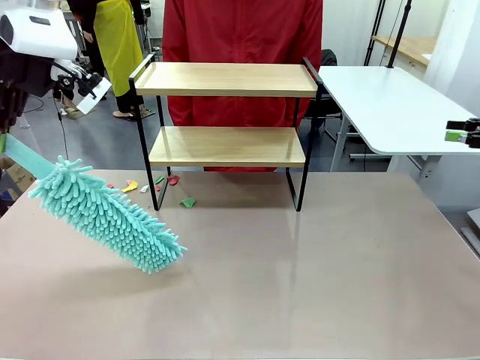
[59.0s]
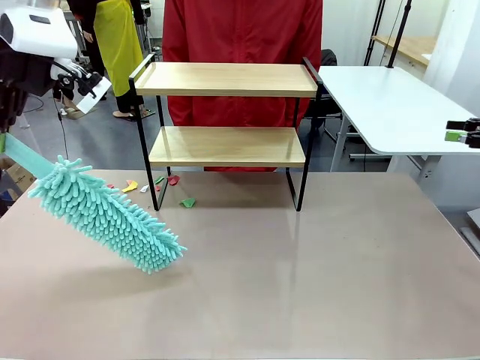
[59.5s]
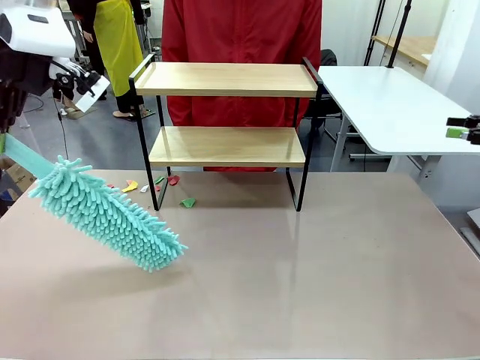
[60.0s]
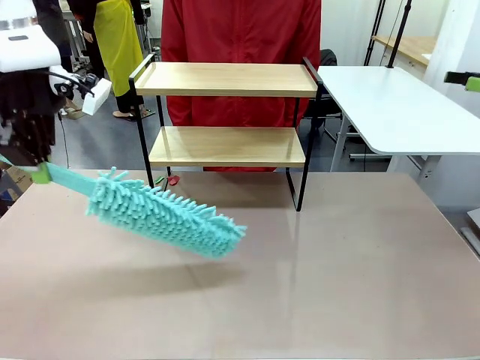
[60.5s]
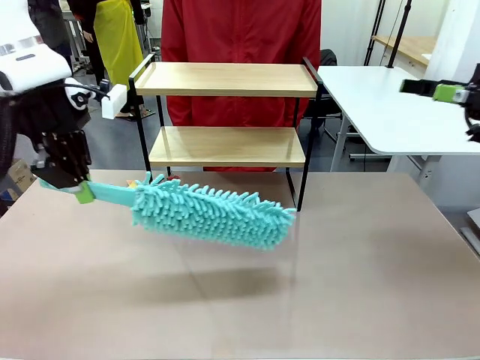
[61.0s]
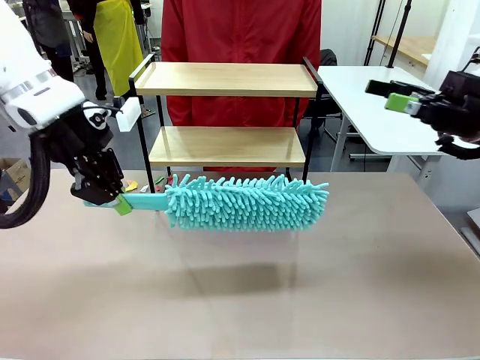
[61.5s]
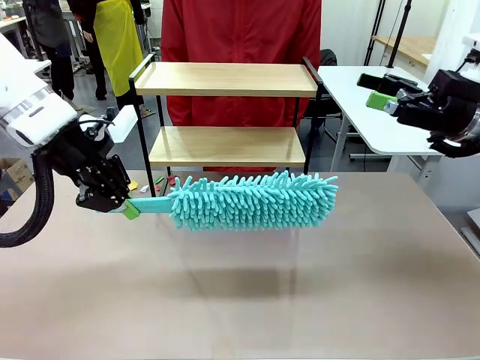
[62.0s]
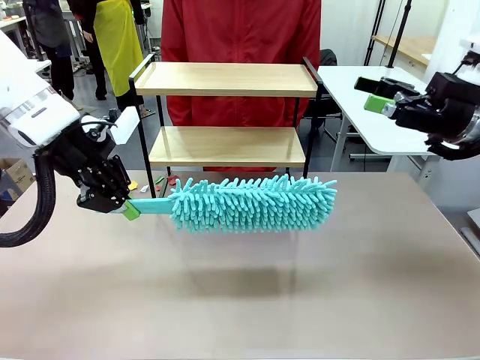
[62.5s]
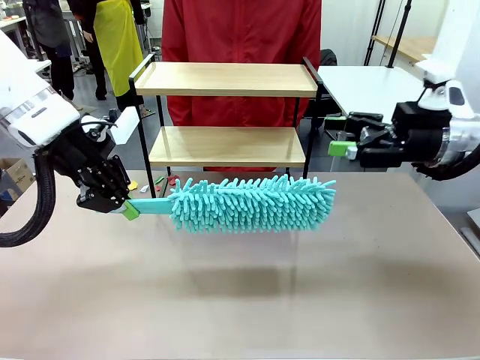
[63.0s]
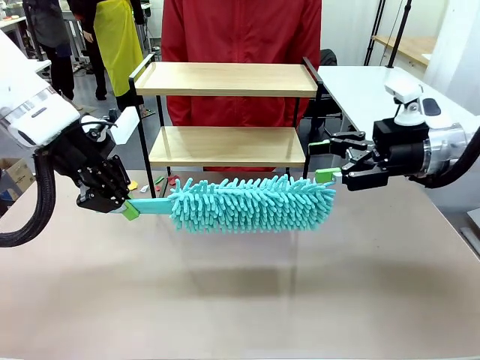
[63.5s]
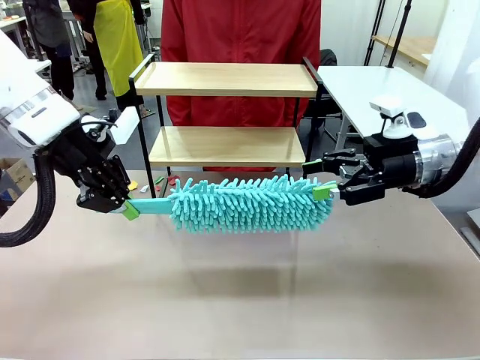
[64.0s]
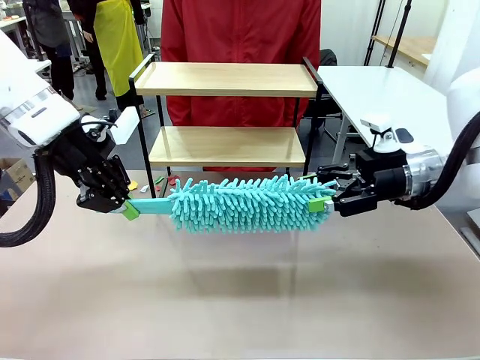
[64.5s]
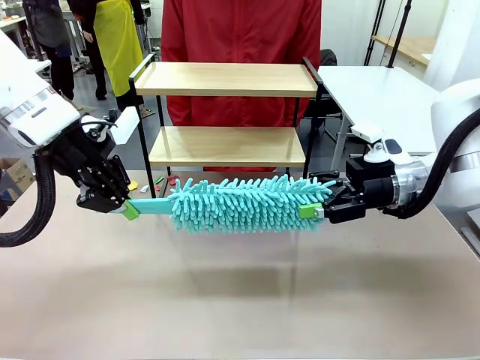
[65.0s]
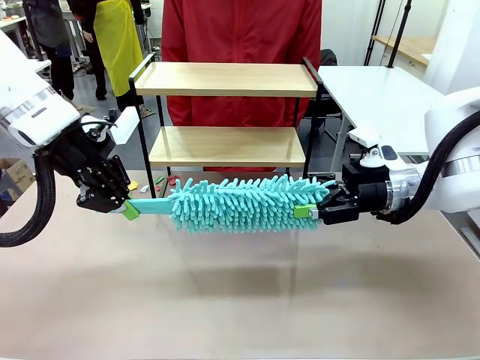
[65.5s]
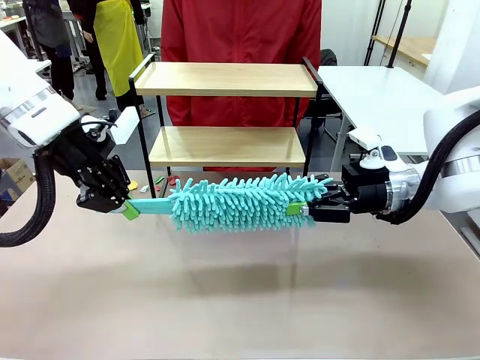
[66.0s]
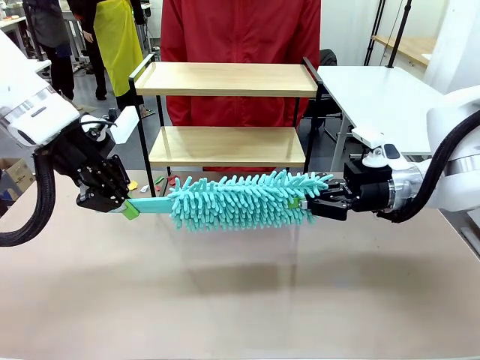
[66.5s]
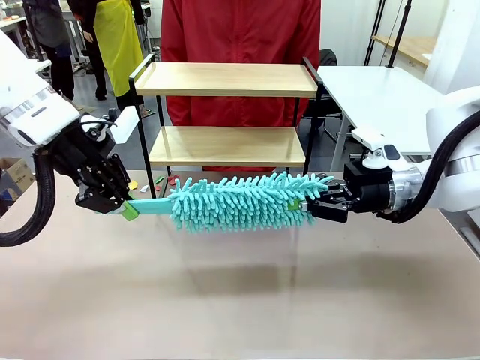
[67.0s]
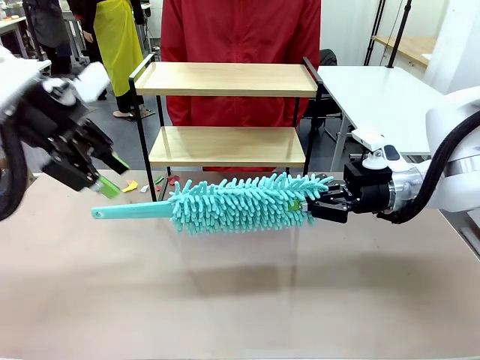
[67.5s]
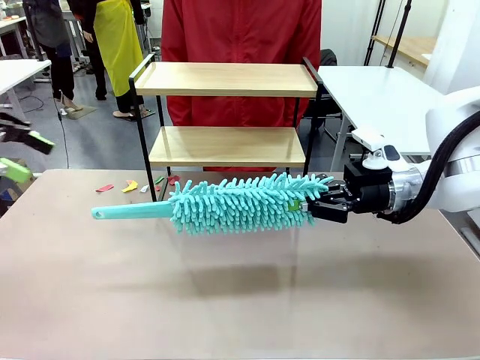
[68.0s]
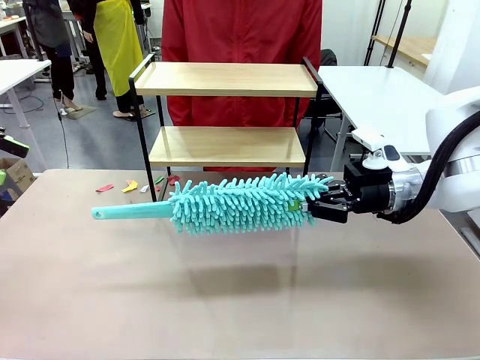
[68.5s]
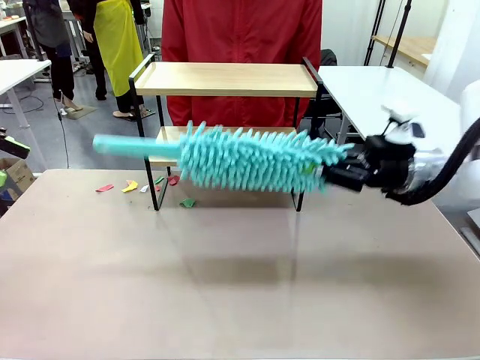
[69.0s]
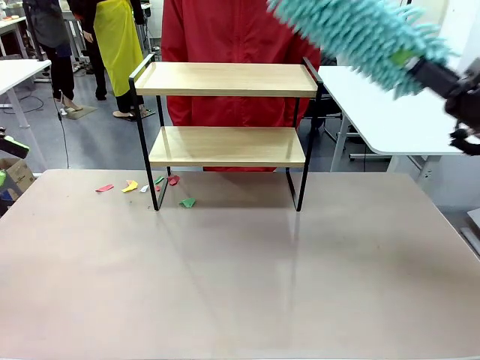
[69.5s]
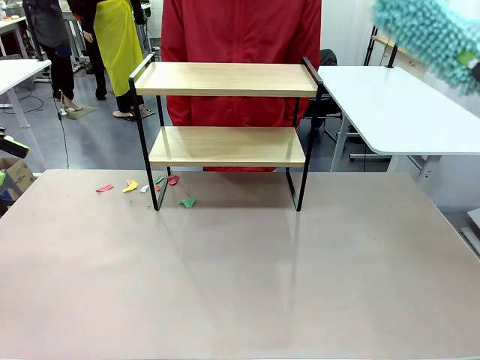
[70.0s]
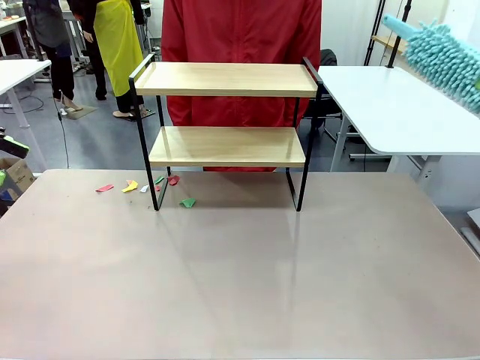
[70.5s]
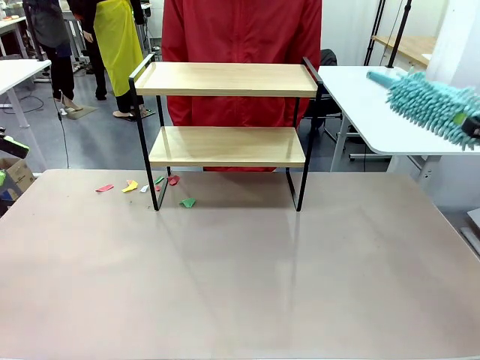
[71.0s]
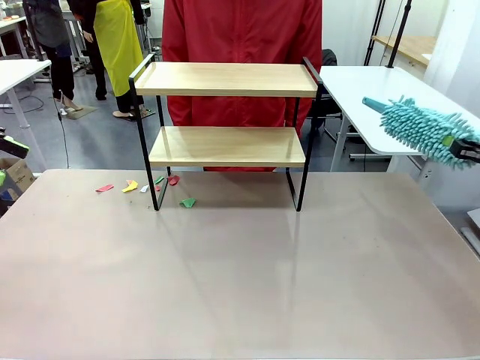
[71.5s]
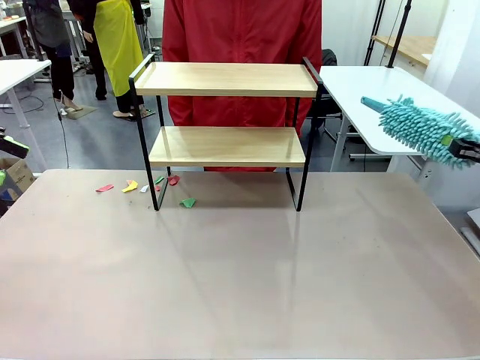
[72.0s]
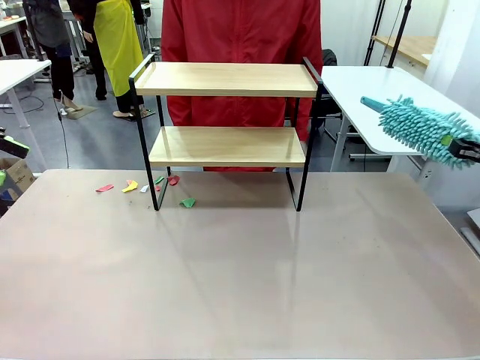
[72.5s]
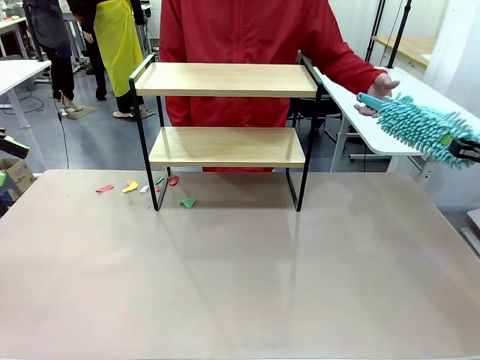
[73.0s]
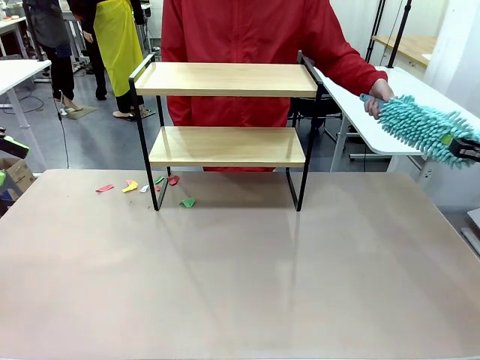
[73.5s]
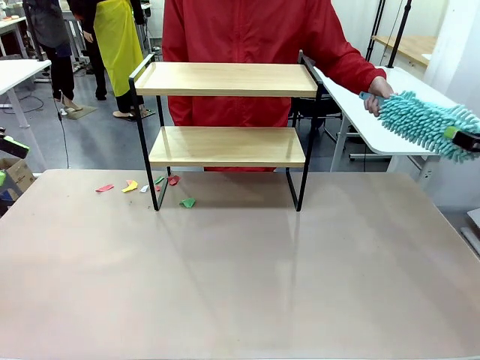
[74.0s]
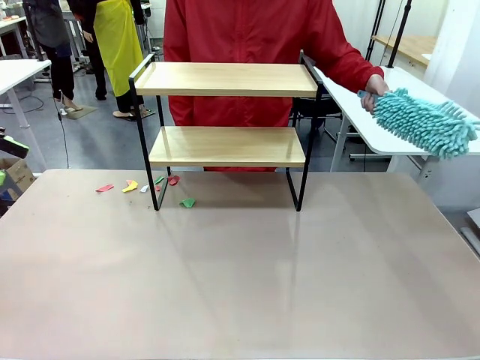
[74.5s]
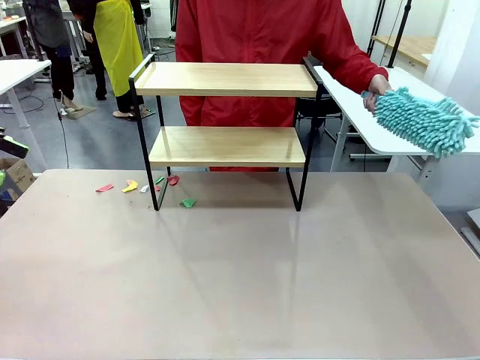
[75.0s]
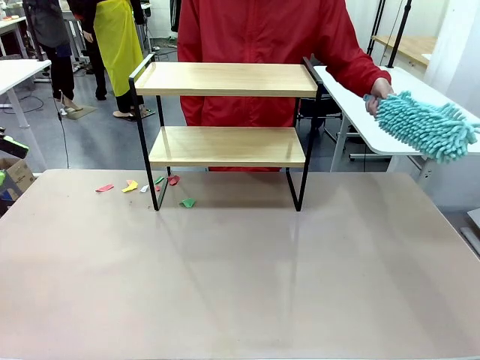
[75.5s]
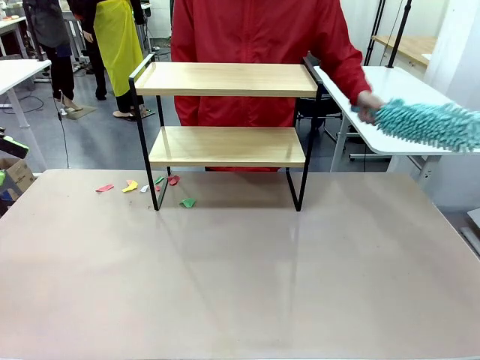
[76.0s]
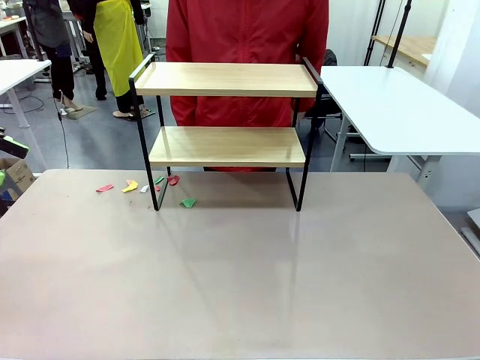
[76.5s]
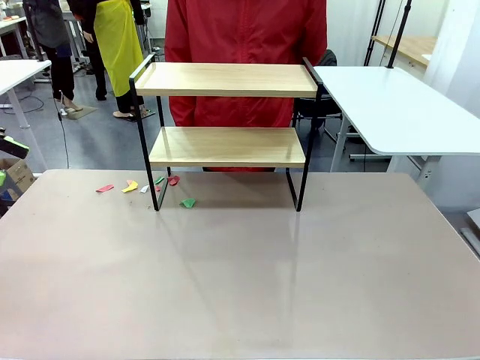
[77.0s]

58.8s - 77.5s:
Task: Clean the shelf.
Robot: Hand the Duster back to the human.
Person: Receive the Duster from the robot.

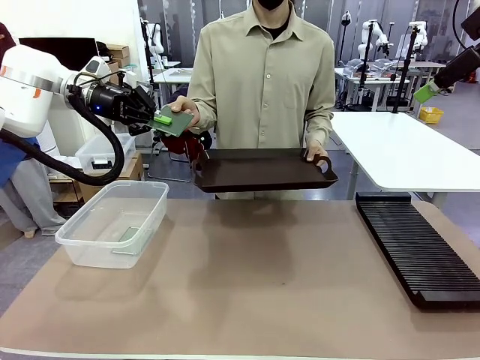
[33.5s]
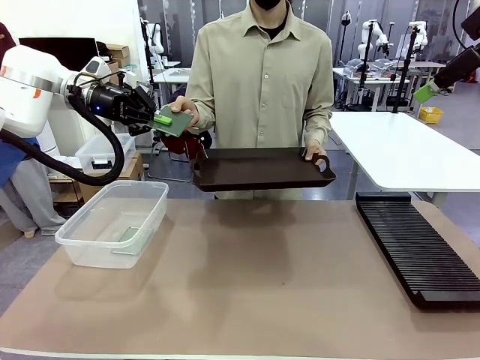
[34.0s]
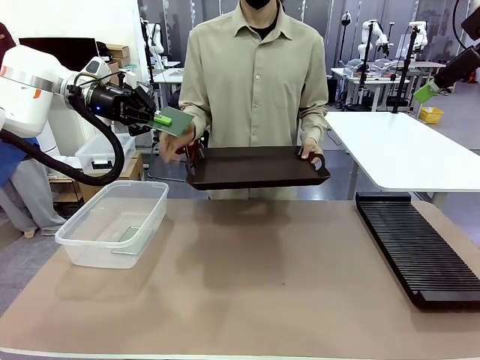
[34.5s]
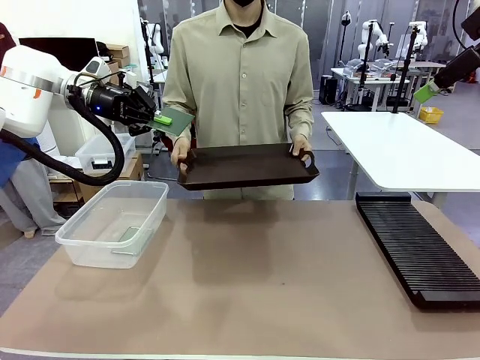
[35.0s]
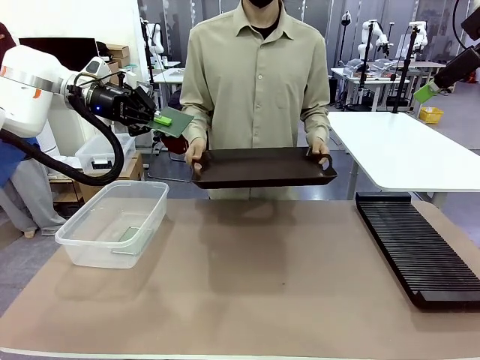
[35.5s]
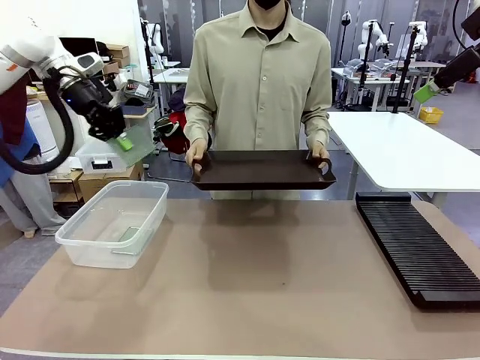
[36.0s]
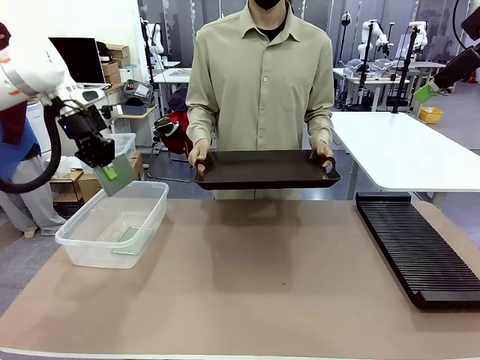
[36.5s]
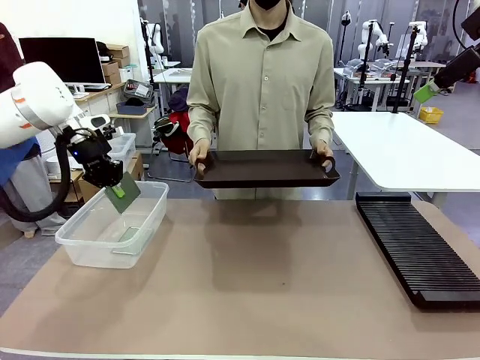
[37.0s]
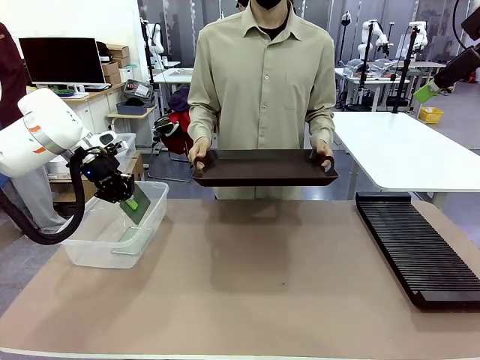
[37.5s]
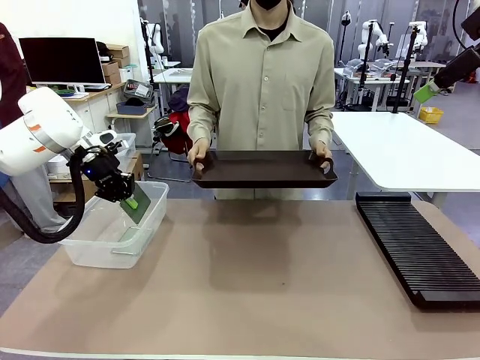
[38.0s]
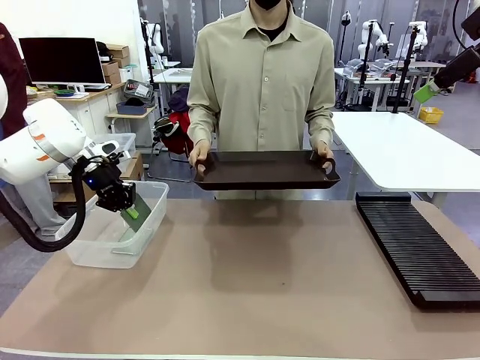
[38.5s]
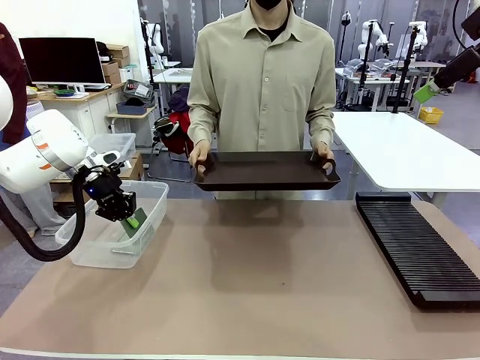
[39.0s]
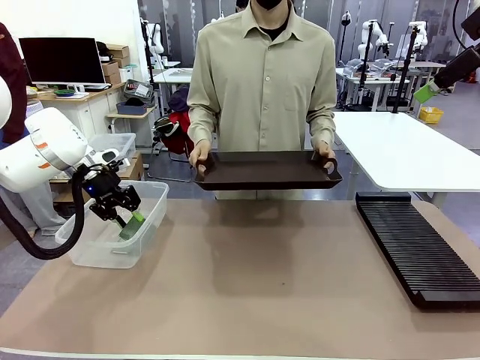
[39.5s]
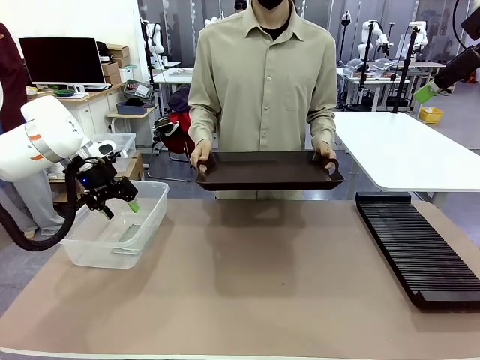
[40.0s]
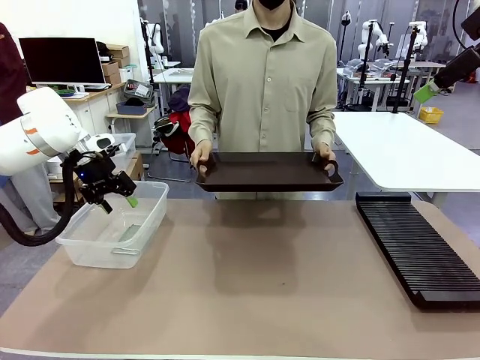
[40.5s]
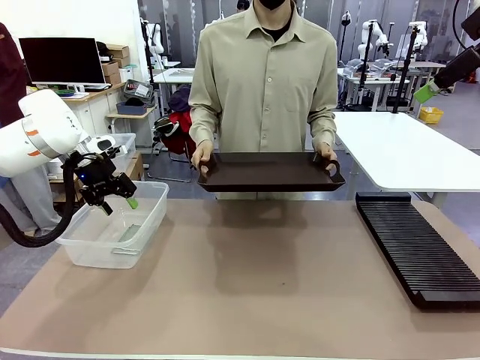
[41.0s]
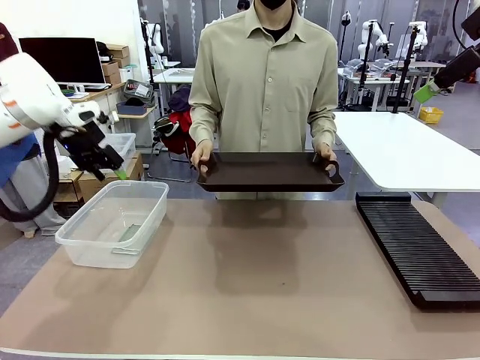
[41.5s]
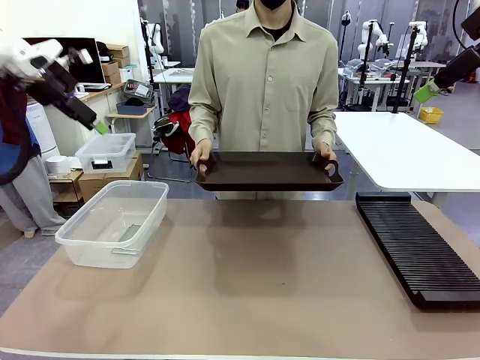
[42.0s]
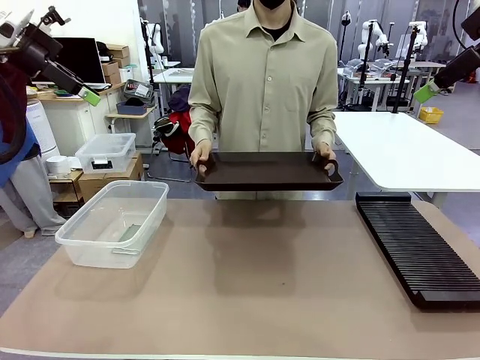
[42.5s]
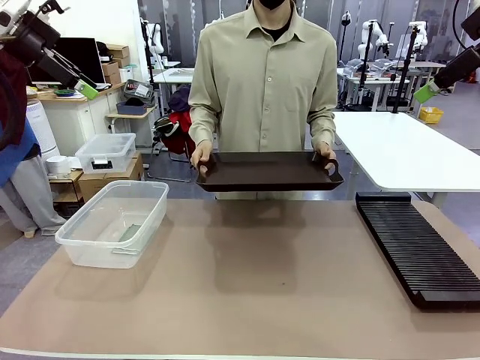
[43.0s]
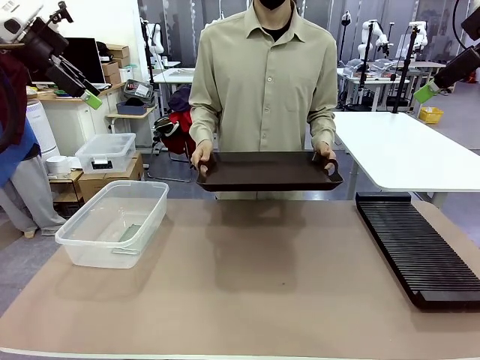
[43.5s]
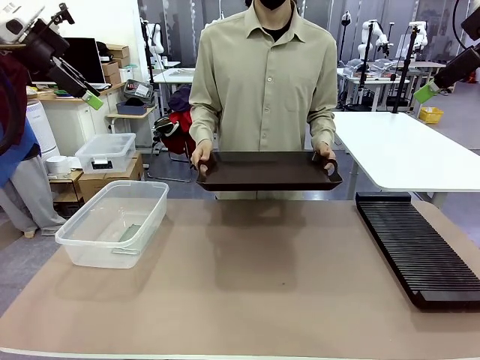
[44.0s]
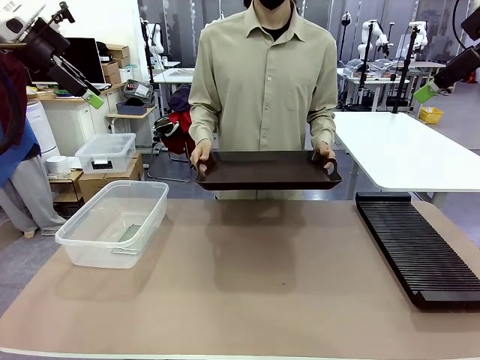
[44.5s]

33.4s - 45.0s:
Task: Sort PCBs into racks and boxes based on the side picked up.
Robot: If the short side of the Blank PCB is picked up, insert it into the PCB Rack ; if the long side is picked up, place it in the Organizing box.
Person: Release the PCB being held.
